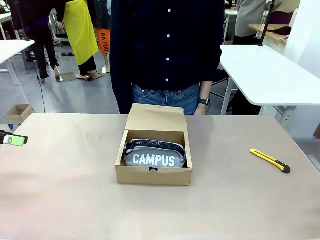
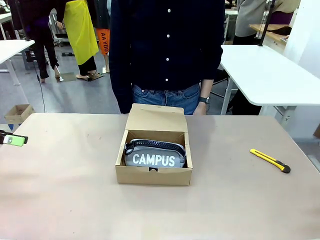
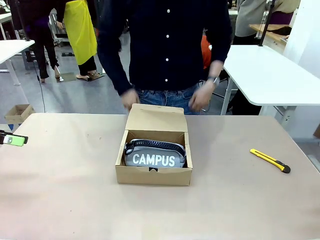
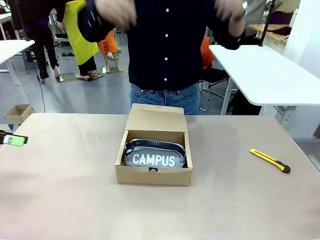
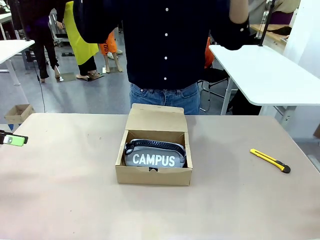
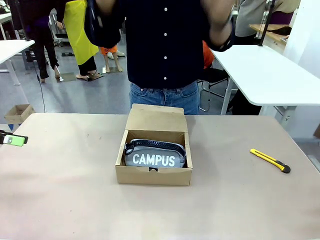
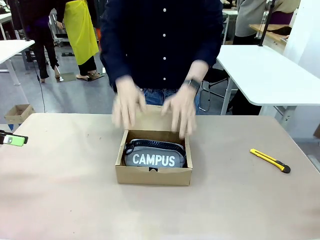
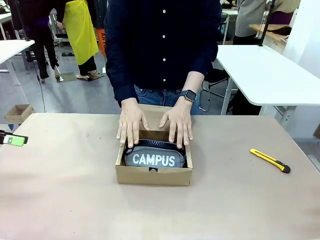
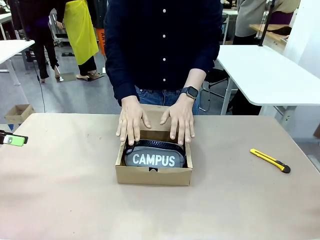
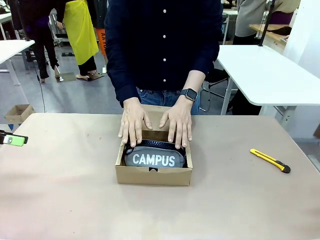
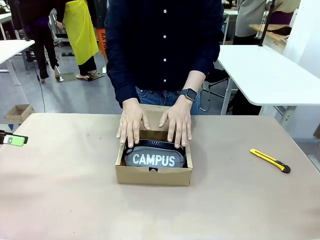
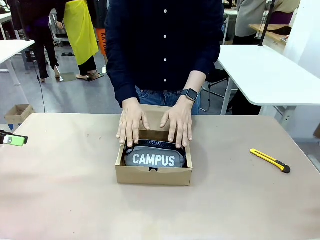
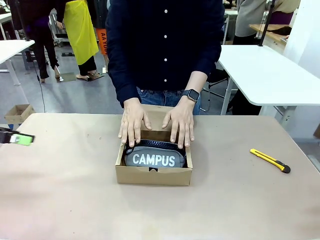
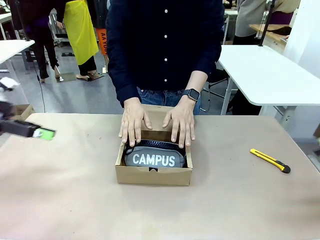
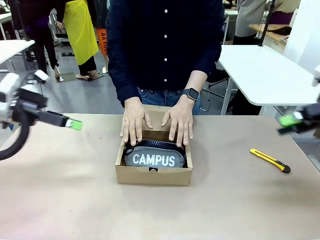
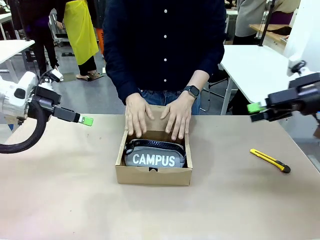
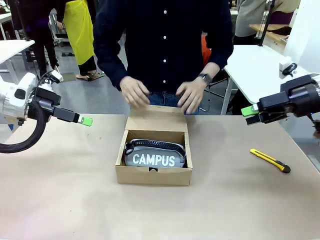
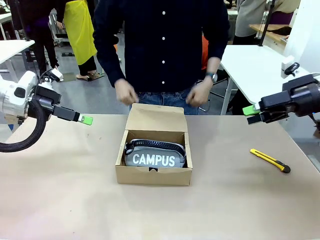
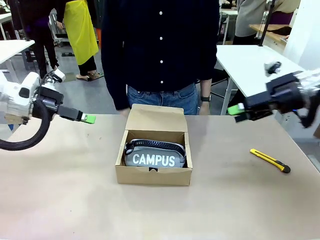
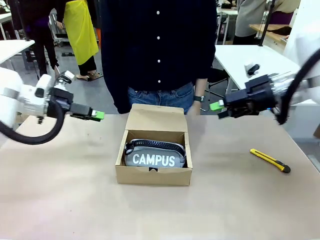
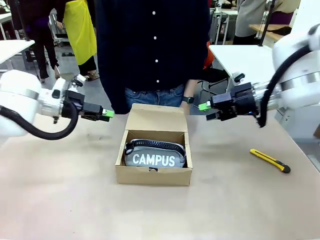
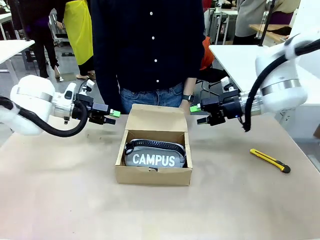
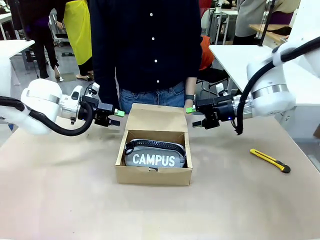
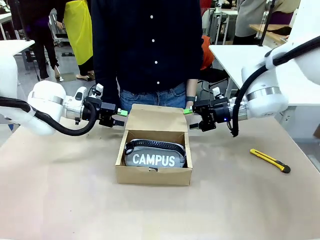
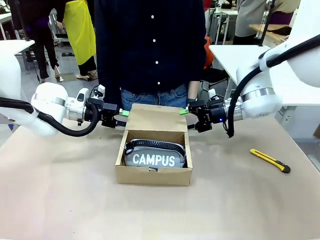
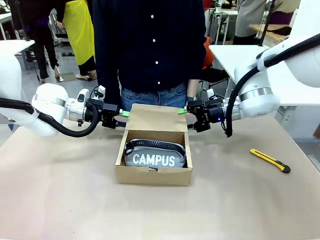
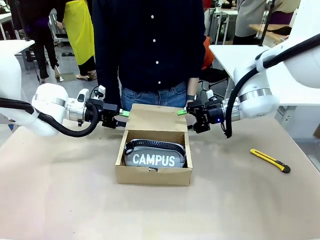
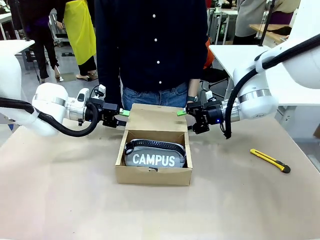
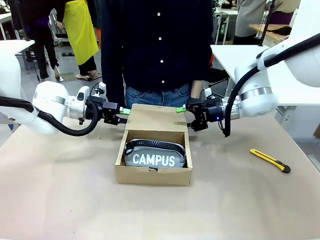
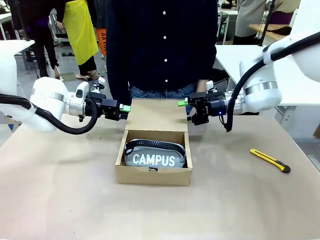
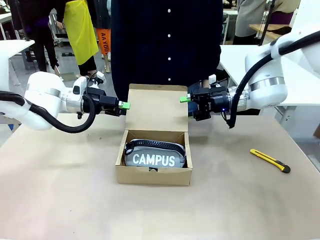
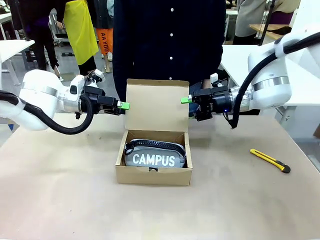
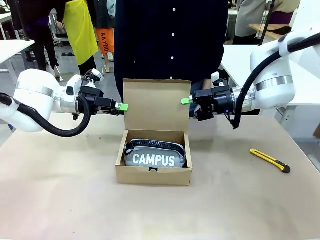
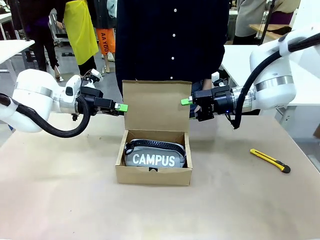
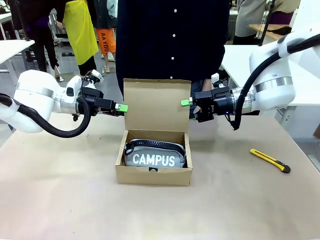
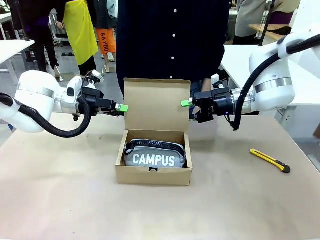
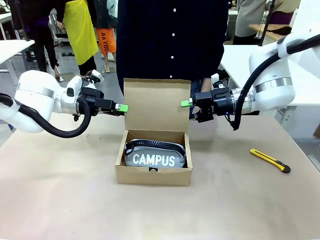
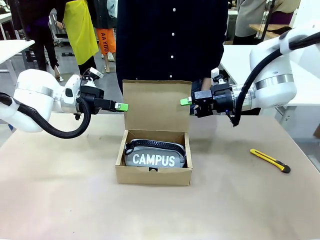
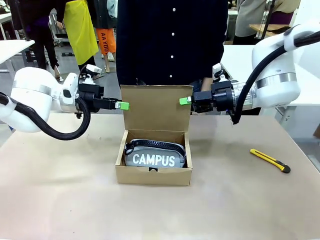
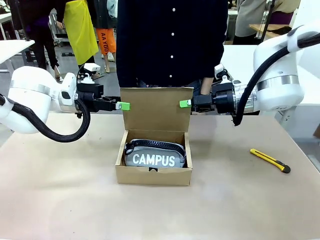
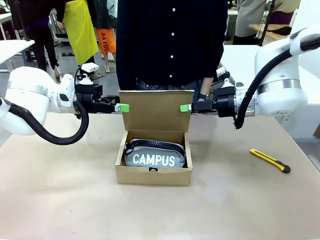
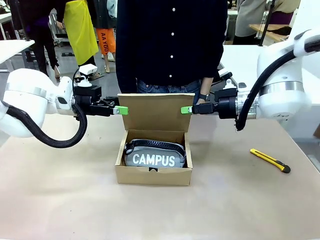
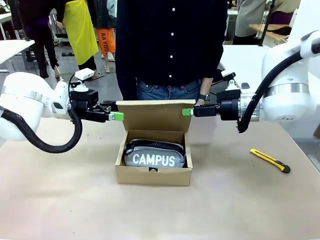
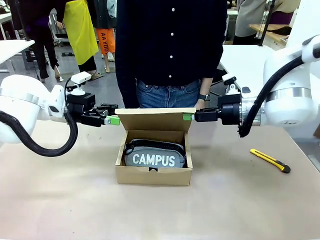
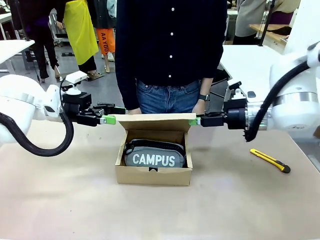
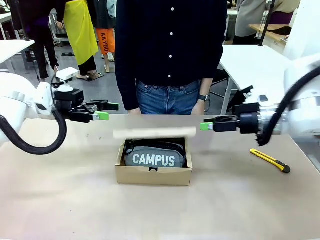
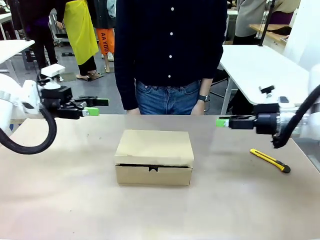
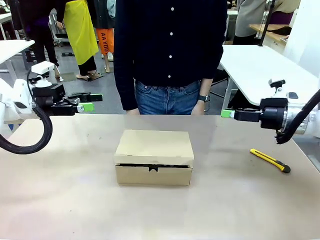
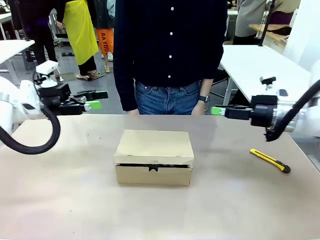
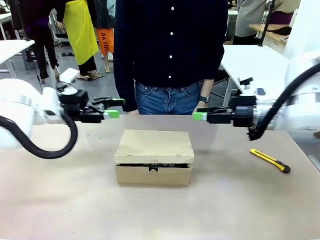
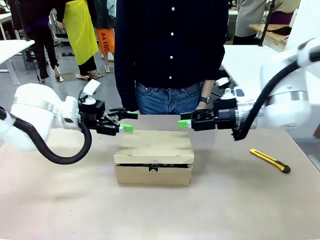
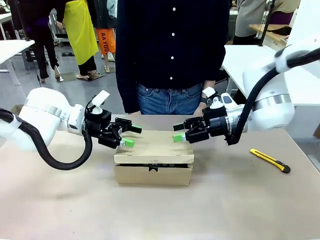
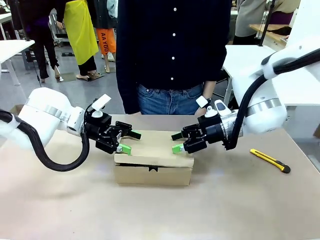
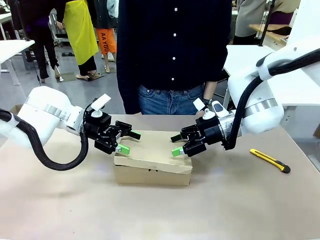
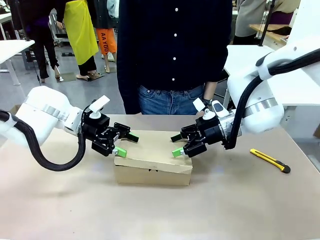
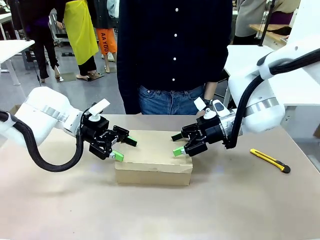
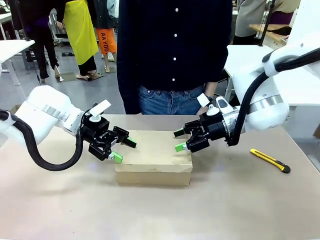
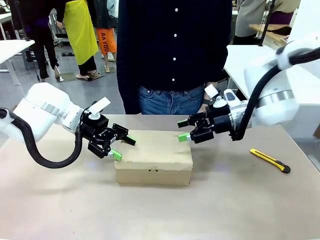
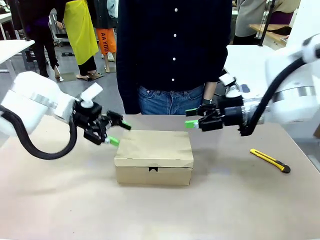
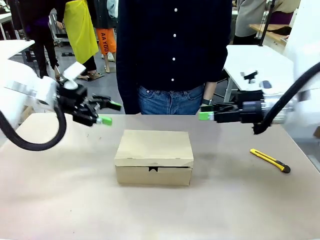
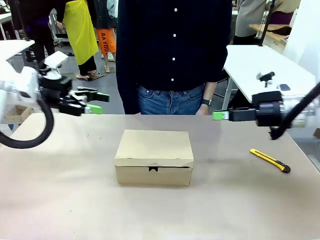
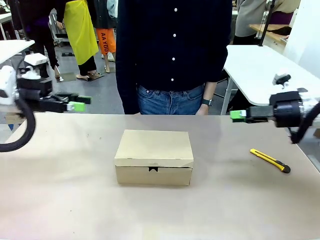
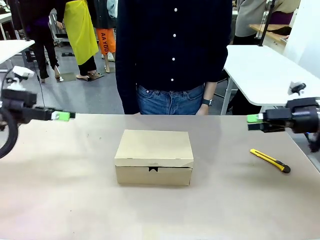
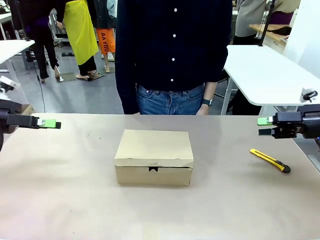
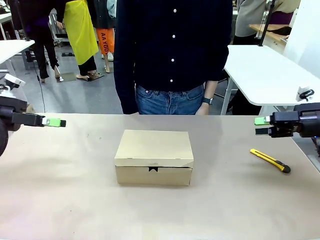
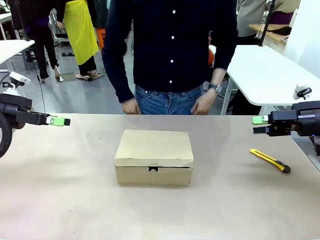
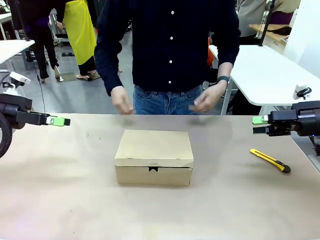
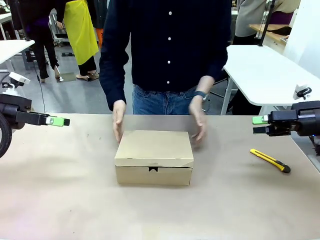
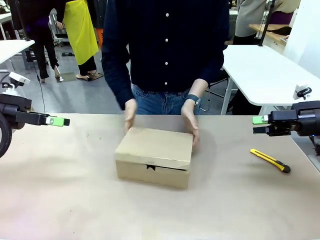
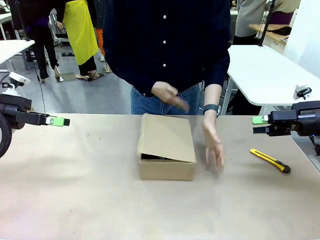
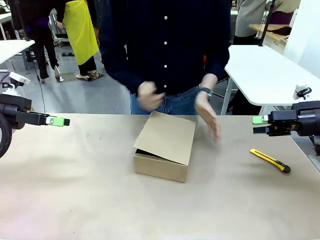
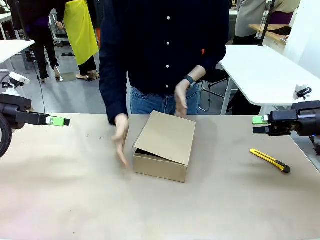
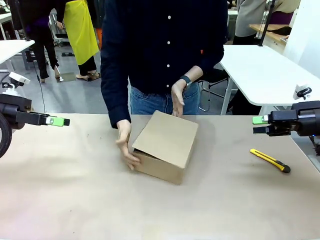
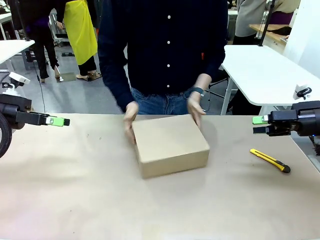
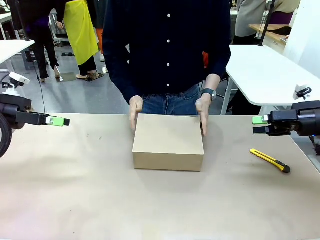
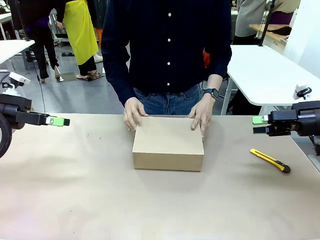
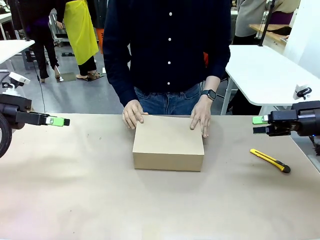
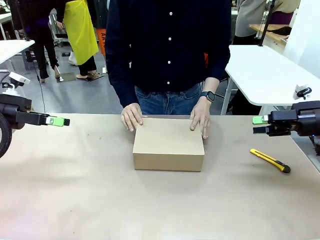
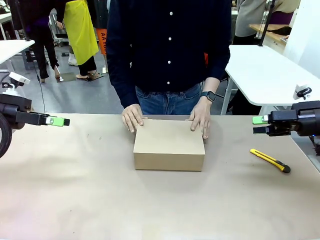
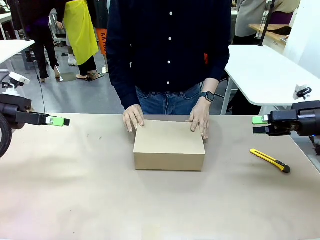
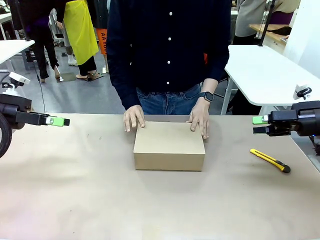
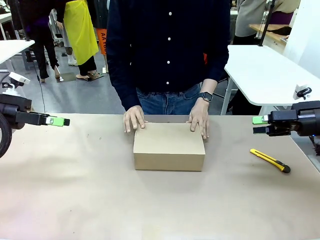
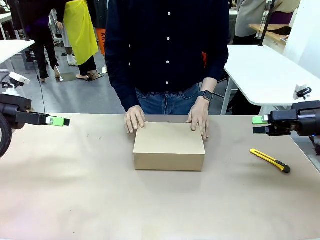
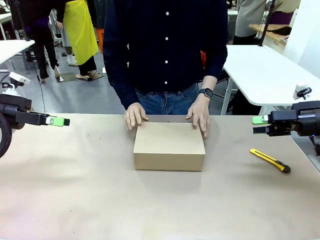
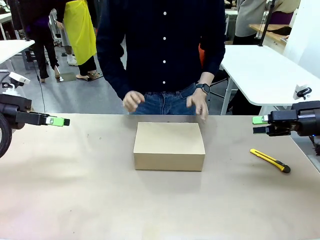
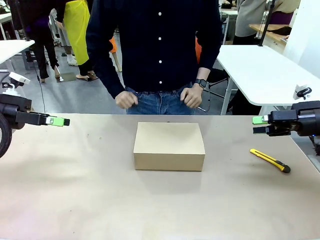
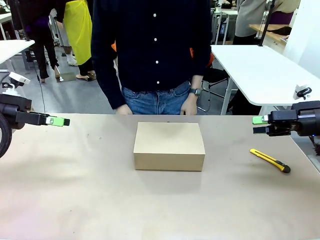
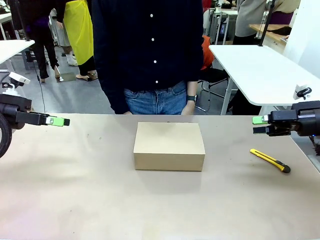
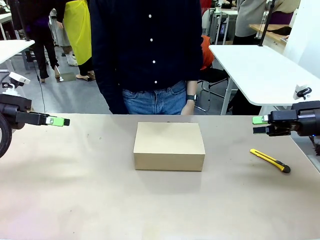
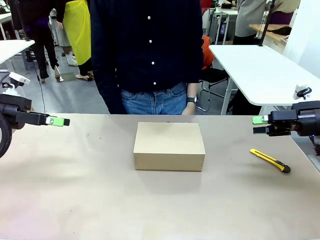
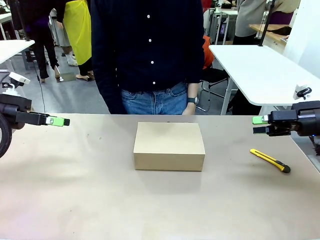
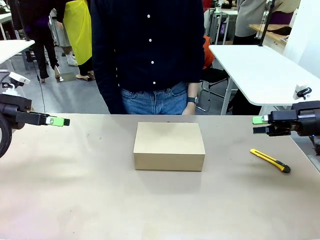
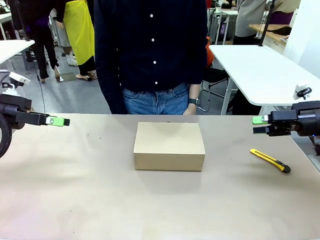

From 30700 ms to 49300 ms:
Task: Pack the items into the box.
Robot: Close the Mailer Box.
Person: Turn the box and lock it.
